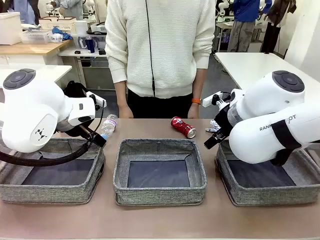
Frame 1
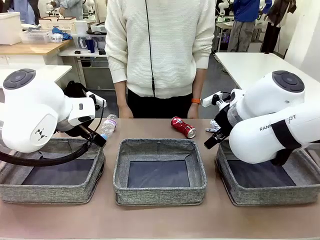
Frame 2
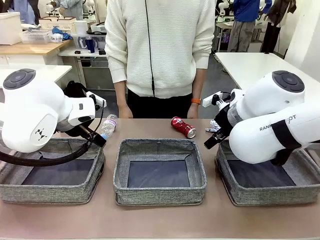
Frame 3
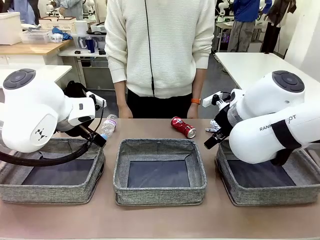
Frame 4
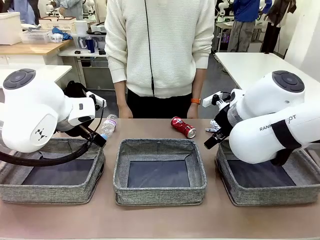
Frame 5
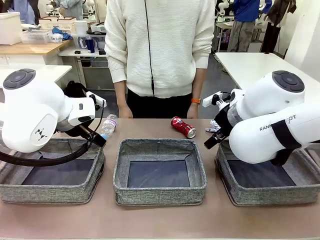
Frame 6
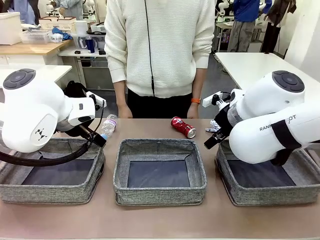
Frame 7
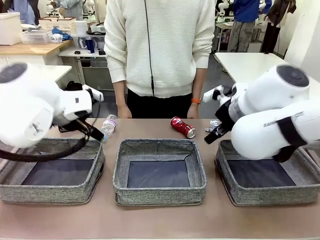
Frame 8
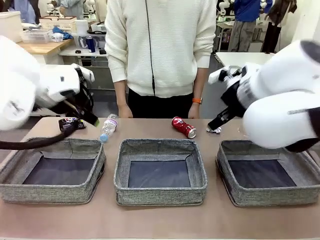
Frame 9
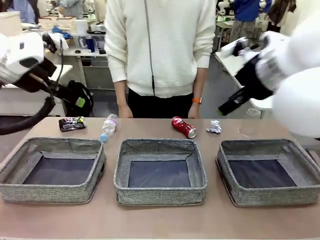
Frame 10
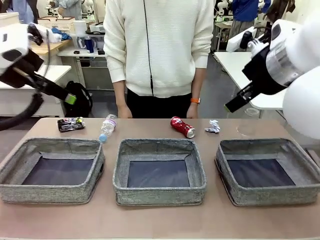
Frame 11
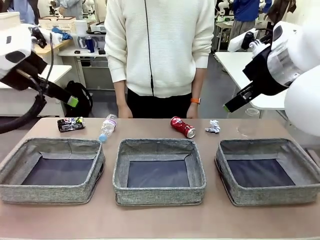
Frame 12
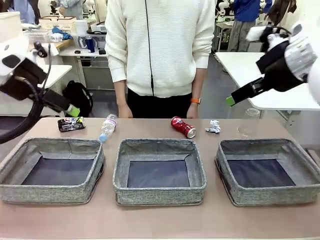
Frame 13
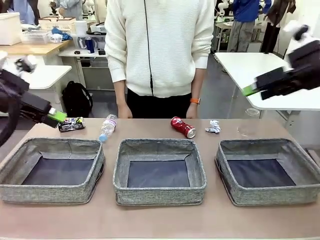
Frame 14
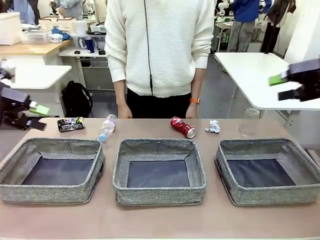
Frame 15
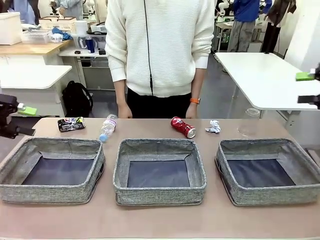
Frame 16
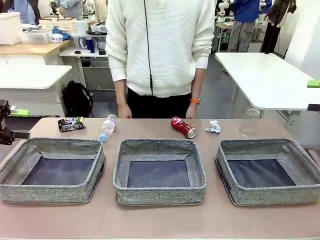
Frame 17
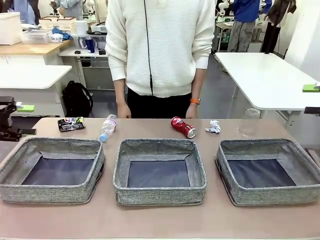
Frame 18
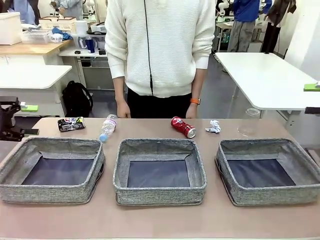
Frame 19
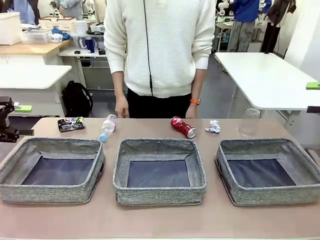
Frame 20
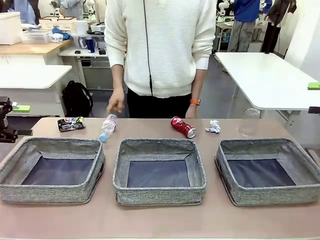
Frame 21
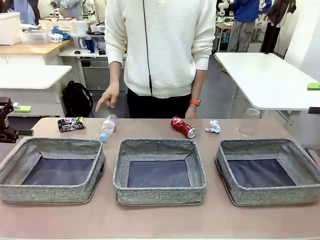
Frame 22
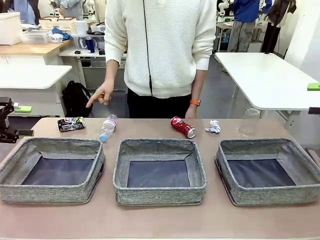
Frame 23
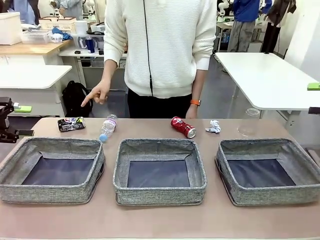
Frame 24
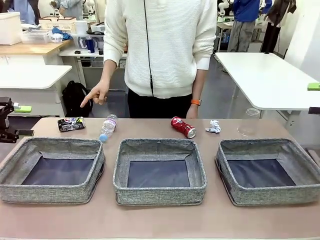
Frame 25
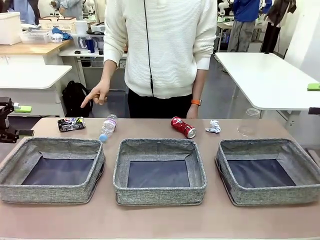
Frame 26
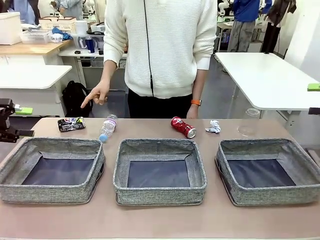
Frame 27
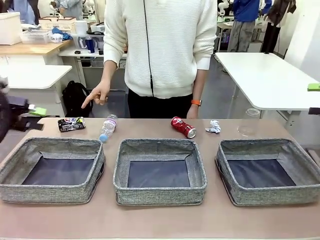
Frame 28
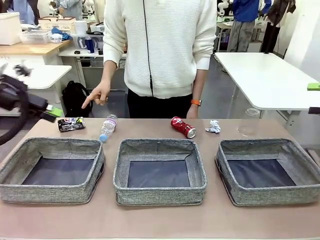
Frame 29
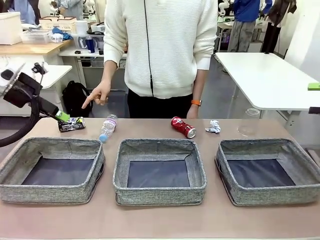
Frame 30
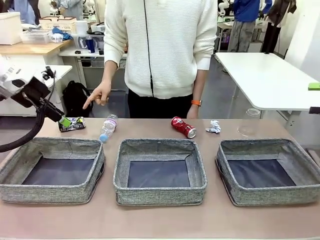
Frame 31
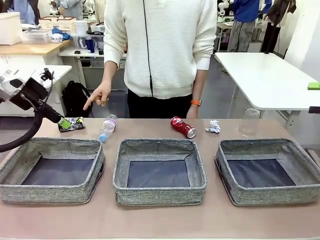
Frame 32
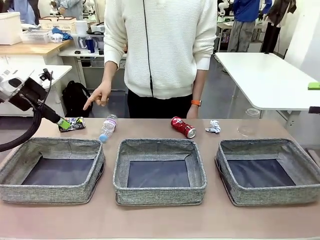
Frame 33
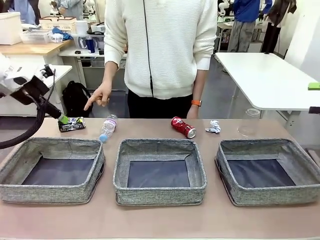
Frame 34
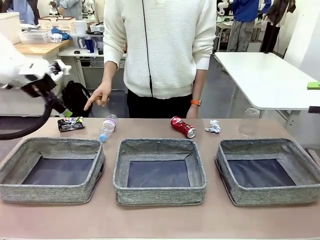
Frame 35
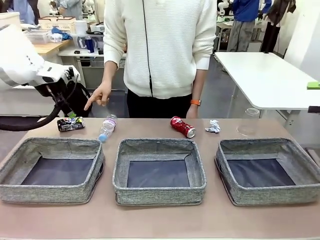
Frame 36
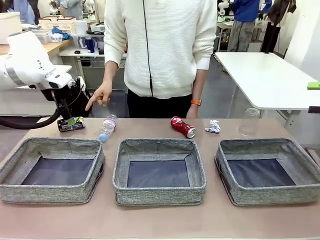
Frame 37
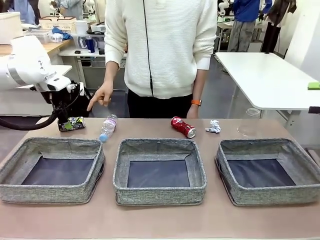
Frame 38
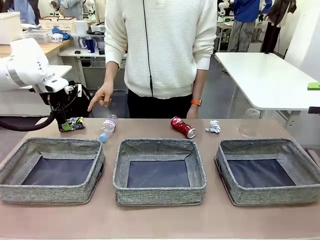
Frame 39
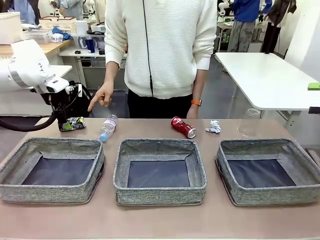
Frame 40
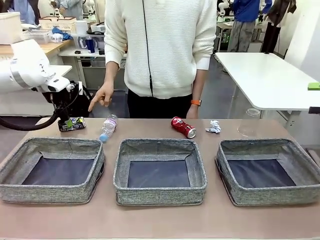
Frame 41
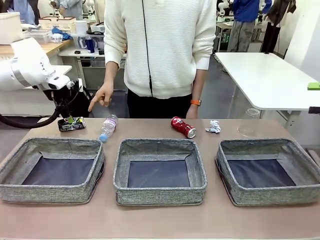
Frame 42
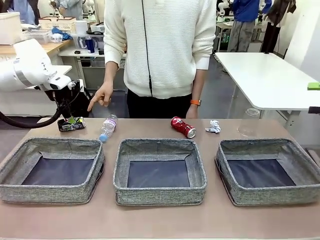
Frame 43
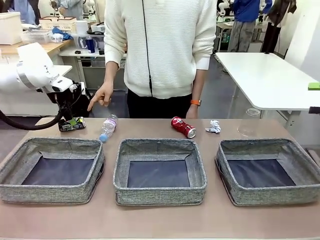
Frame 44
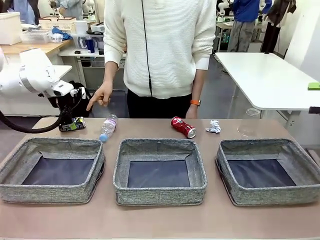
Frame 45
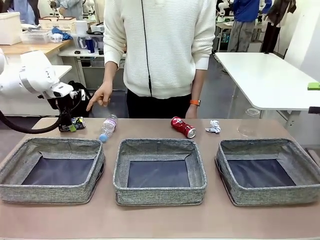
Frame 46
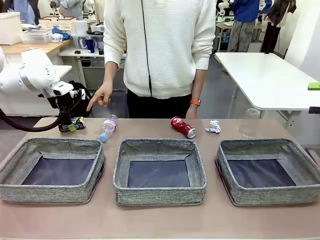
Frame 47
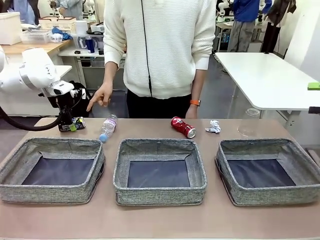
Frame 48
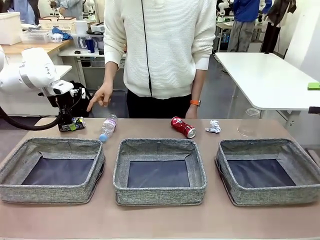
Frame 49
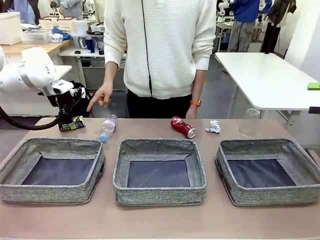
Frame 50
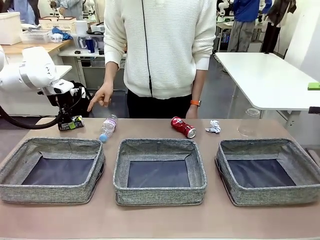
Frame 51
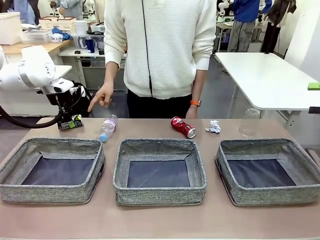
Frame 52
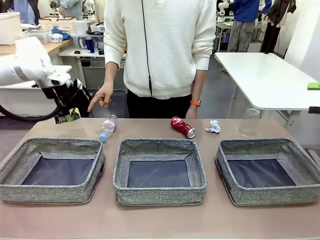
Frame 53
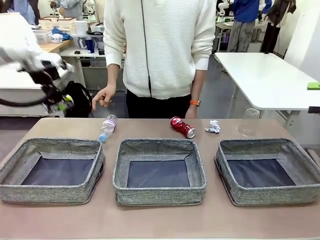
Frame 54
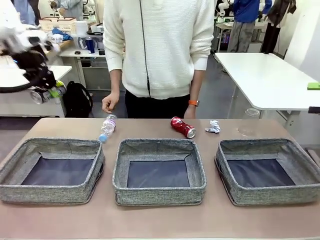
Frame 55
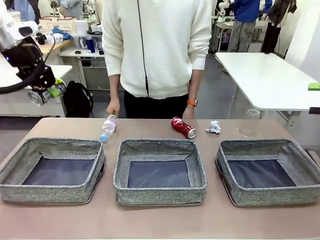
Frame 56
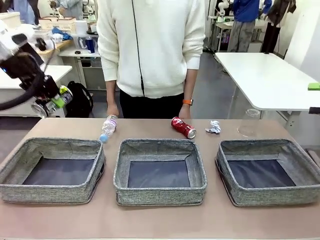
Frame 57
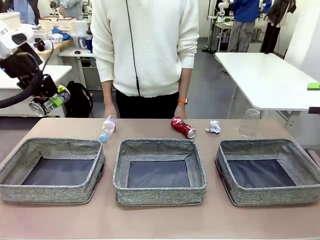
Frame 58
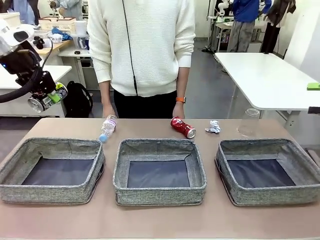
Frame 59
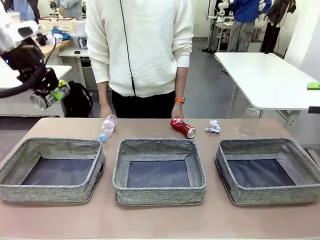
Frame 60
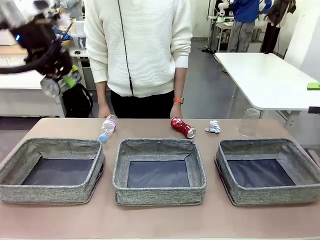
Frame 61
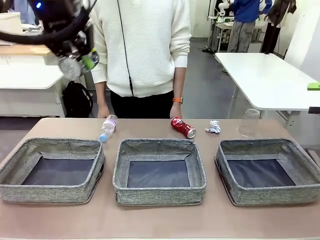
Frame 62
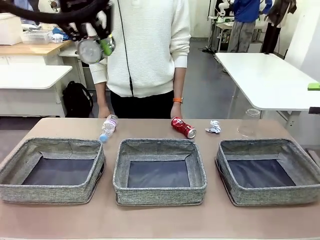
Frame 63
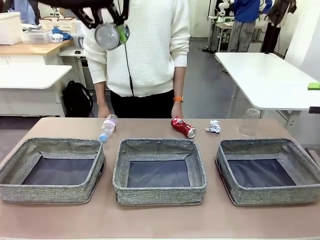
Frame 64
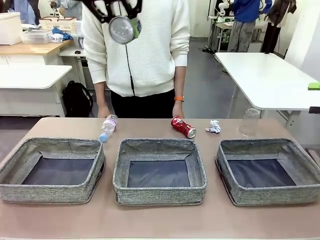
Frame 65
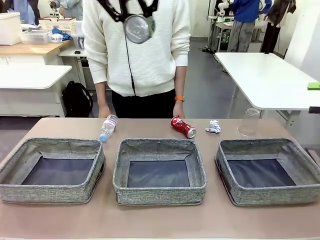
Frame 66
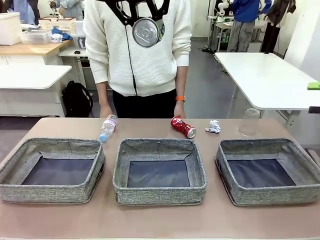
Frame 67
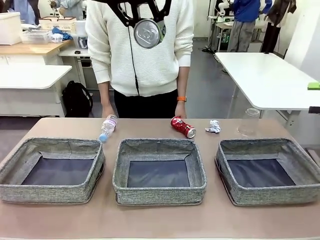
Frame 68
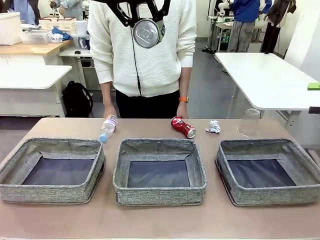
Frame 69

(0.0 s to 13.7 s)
Task: Sort the waste into the appropriate baskets.
Robot: Pick up the waste item pointed out by the person.
Person: Points to one piece of trash on the table.

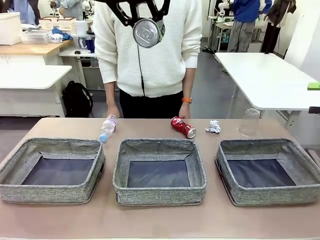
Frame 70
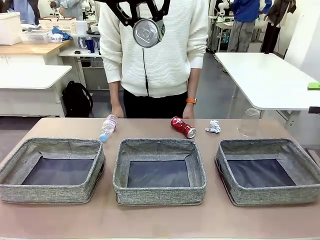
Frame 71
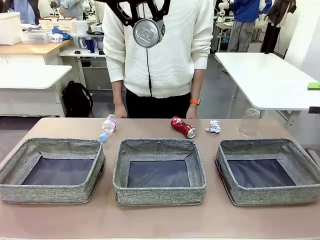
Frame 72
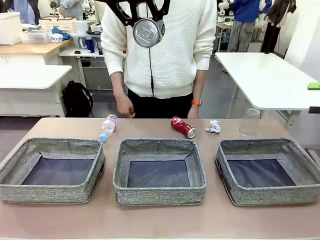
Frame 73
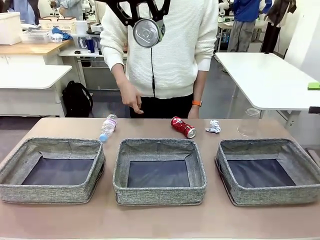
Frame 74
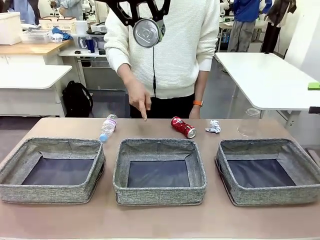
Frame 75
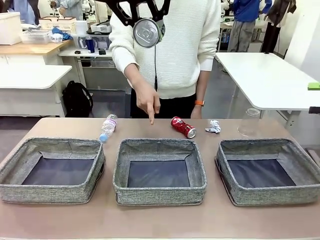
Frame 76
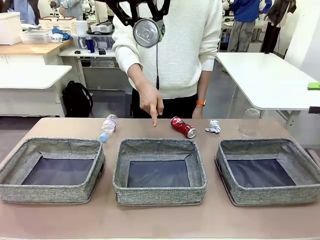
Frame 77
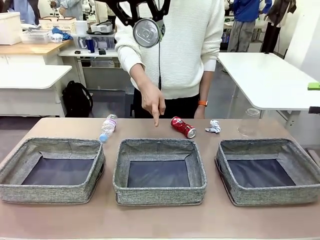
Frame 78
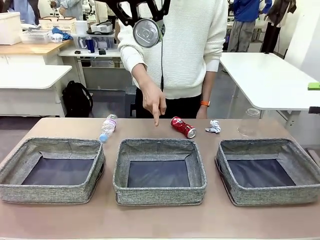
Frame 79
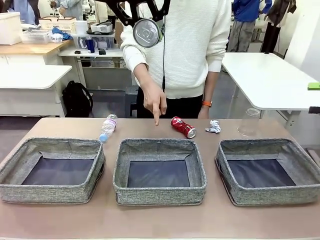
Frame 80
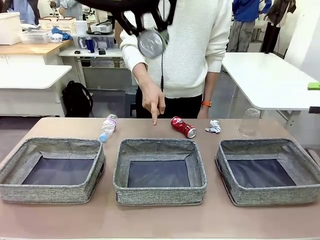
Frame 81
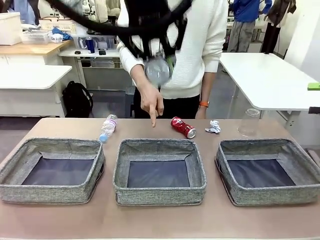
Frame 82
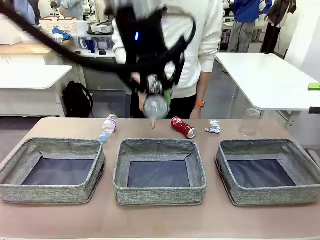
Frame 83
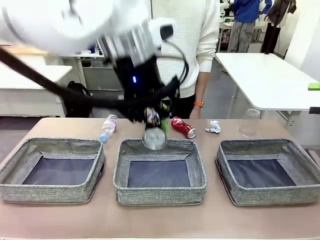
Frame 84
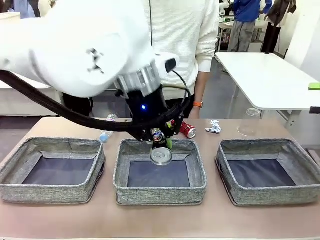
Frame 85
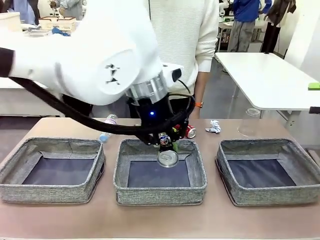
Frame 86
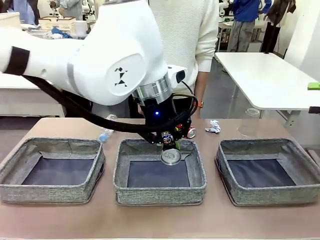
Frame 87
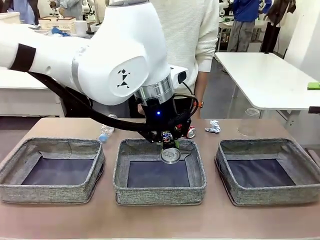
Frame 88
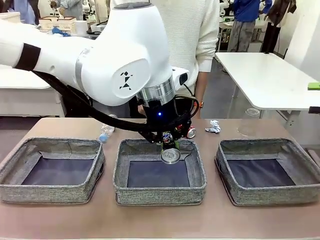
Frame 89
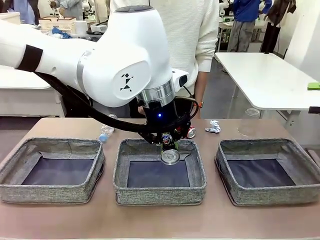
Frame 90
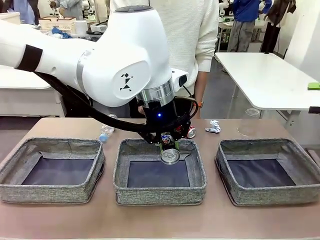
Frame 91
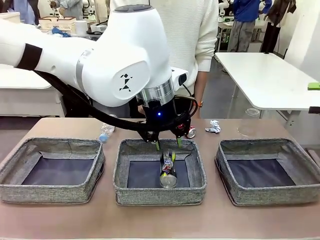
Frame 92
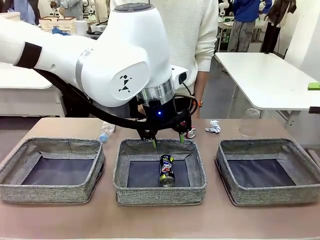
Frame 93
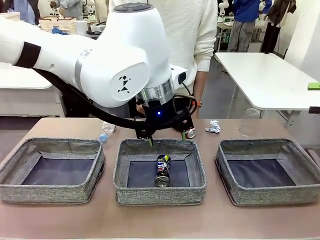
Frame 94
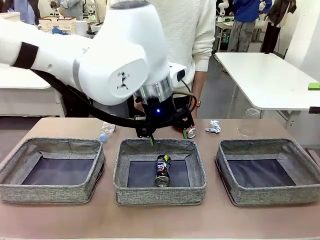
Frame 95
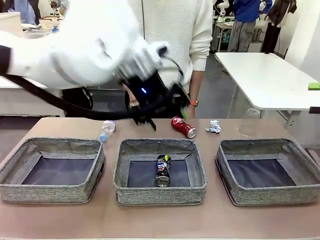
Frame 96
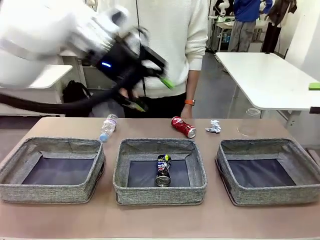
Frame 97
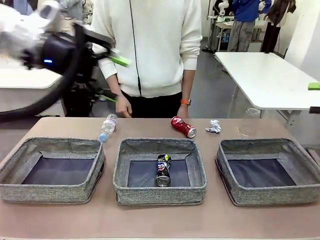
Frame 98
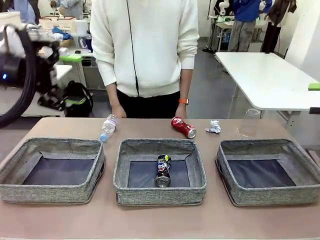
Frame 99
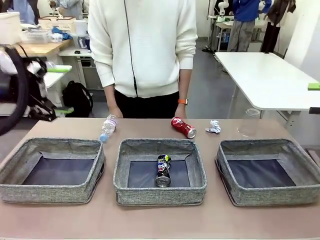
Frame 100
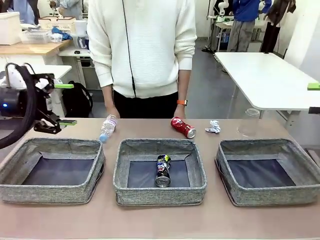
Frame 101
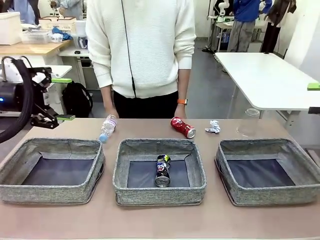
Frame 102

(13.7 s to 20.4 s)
Robot: Place the picked waste into the Fabric basket indicated by the person.
Person: Instructs the robot to place the picked-up trash into the appropriate organizing basket.
